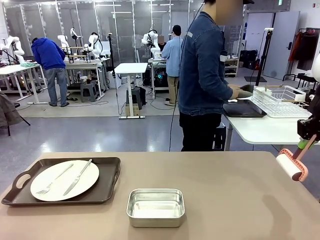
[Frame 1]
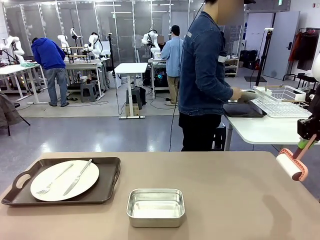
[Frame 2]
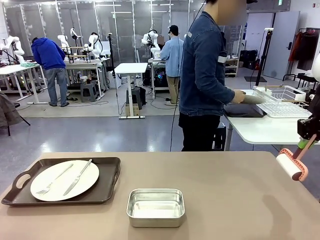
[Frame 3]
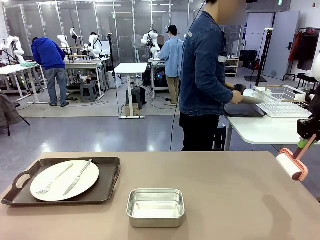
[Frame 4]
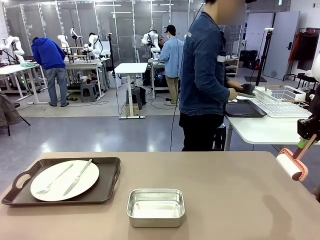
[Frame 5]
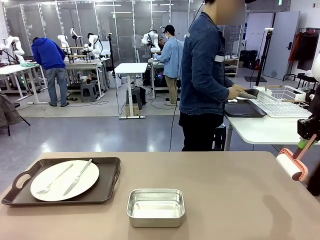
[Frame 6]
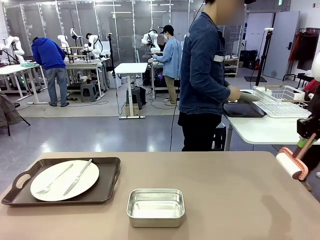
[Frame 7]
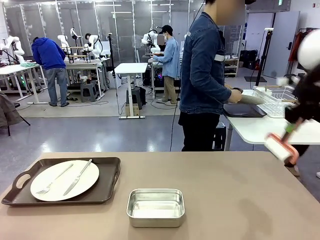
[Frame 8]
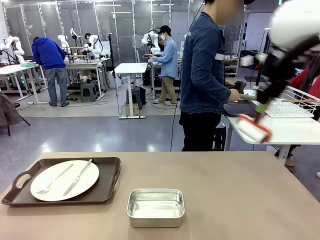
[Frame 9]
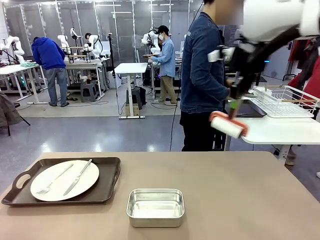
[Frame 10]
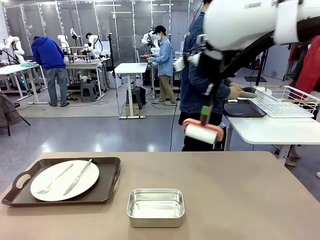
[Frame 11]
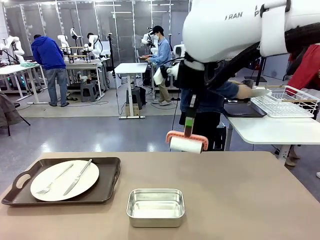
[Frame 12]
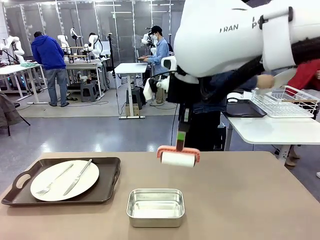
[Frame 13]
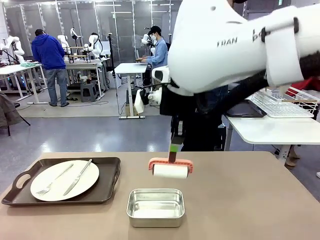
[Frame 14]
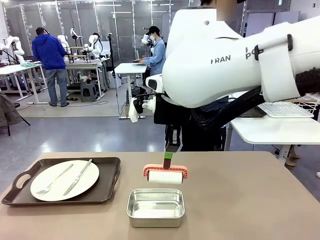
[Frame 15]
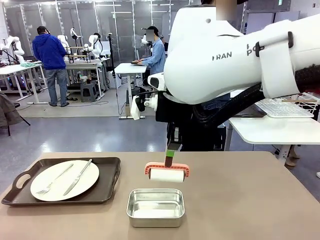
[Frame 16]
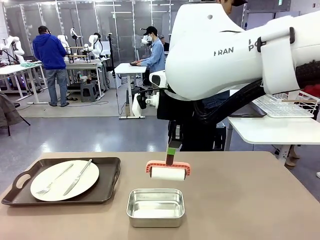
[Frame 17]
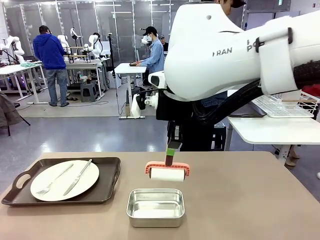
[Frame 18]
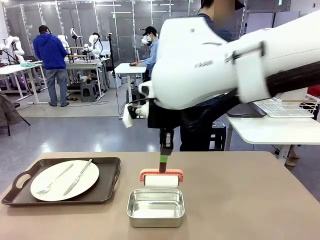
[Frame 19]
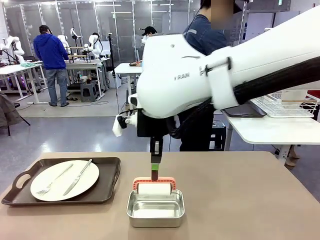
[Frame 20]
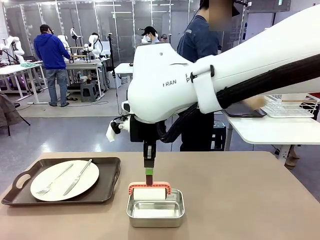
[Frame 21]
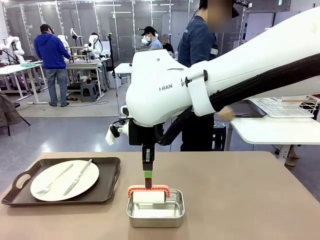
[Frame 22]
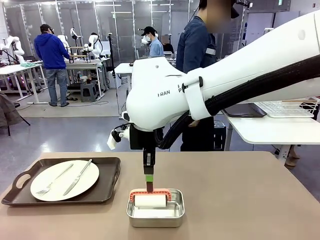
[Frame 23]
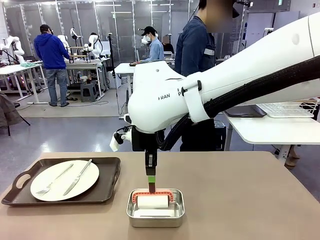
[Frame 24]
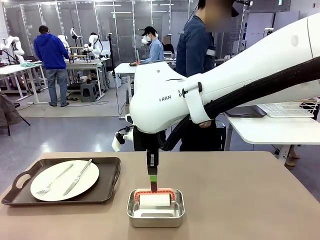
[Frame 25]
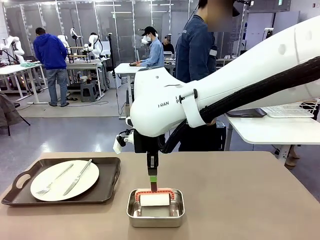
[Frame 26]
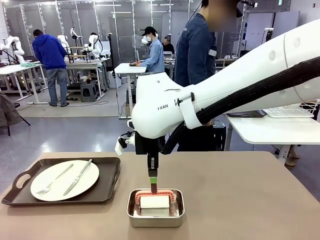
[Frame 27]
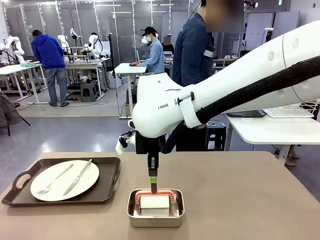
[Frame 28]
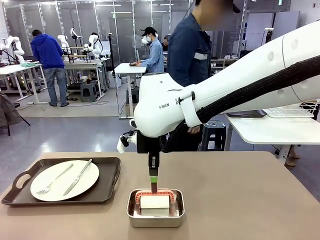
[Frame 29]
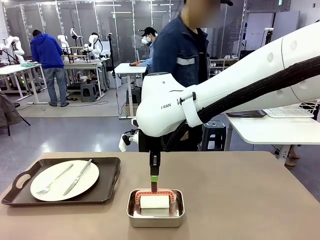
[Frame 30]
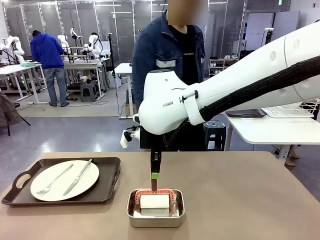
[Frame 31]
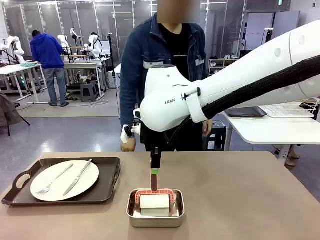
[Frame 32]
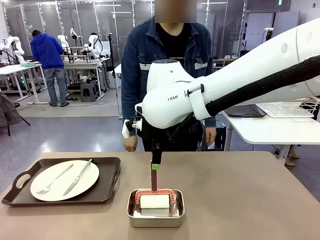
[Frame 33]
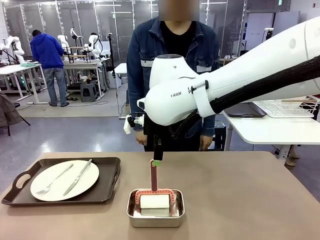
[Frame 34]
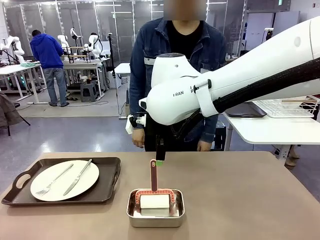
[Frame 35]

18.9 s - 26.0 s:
Robot: Place the Lint Roller back on top of the Airtight Container.

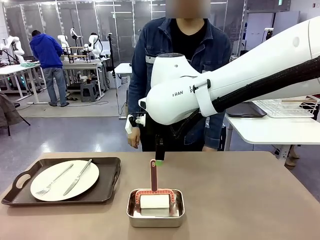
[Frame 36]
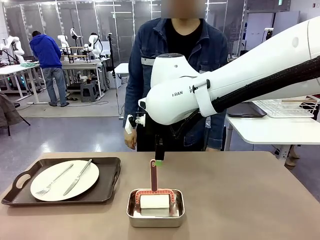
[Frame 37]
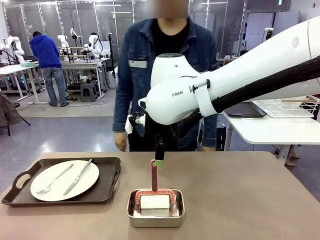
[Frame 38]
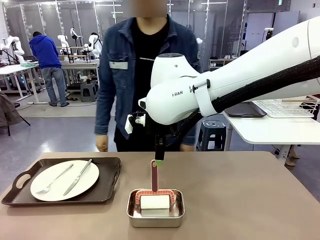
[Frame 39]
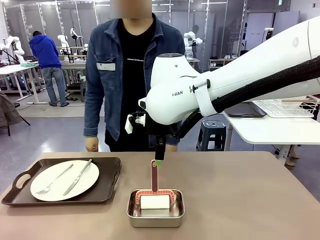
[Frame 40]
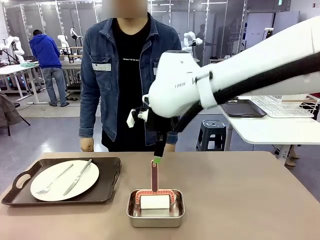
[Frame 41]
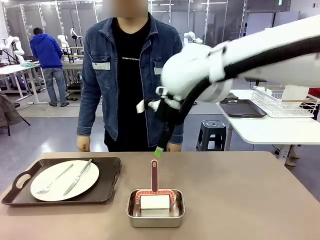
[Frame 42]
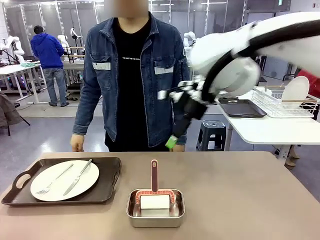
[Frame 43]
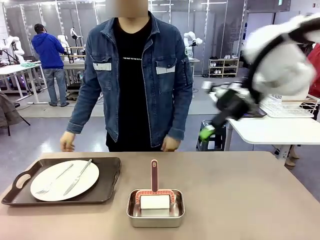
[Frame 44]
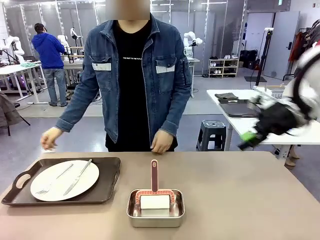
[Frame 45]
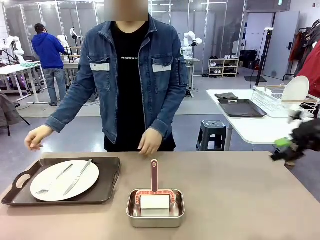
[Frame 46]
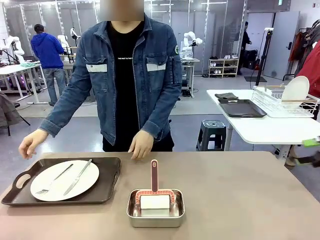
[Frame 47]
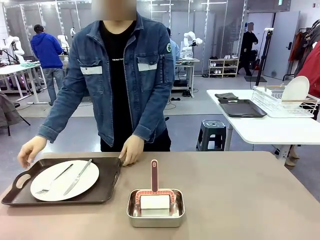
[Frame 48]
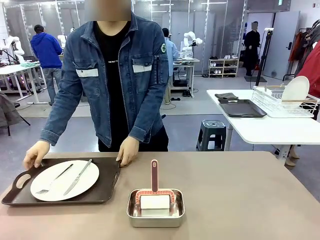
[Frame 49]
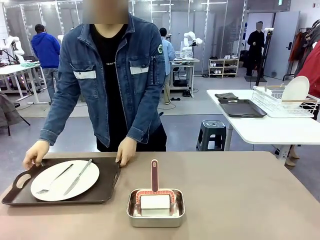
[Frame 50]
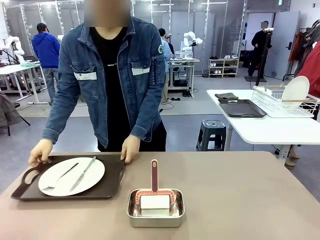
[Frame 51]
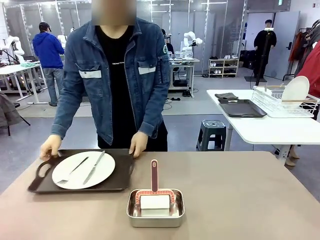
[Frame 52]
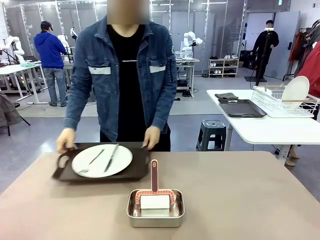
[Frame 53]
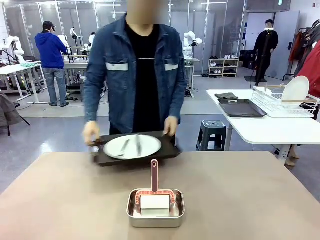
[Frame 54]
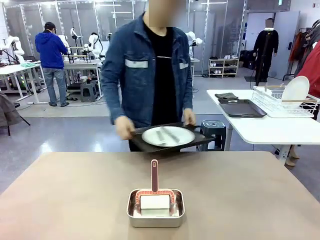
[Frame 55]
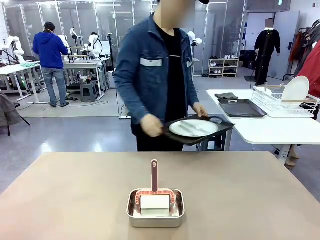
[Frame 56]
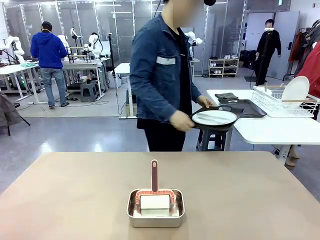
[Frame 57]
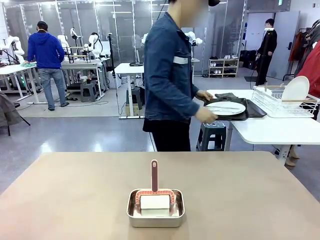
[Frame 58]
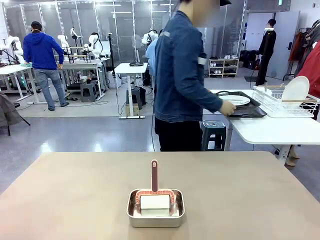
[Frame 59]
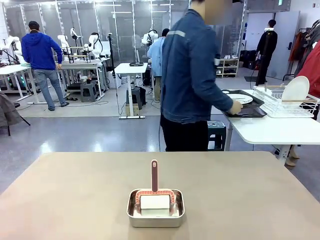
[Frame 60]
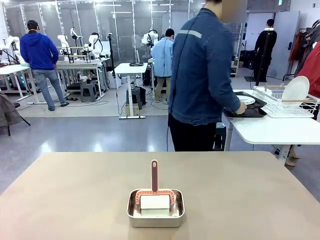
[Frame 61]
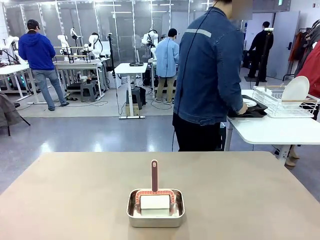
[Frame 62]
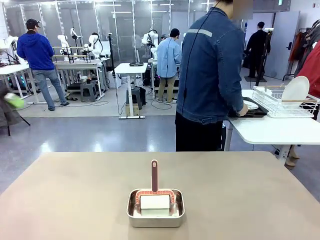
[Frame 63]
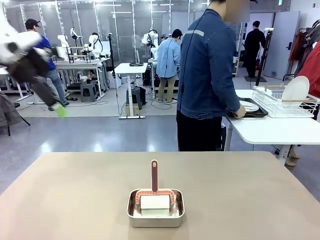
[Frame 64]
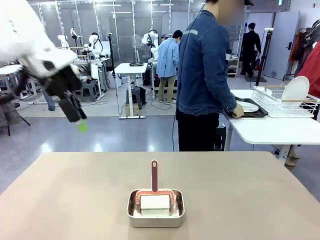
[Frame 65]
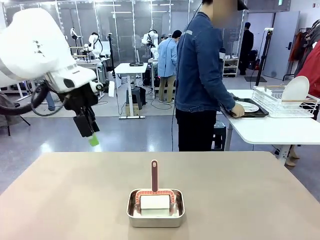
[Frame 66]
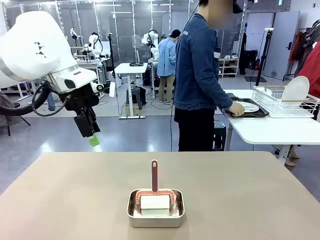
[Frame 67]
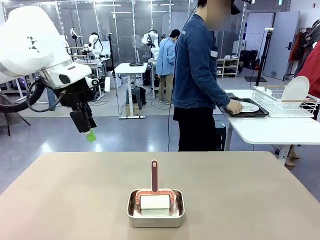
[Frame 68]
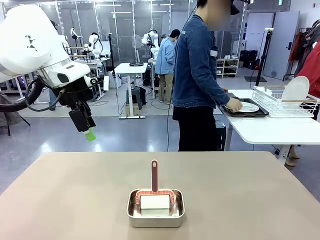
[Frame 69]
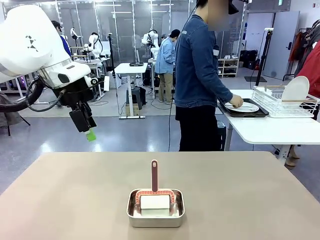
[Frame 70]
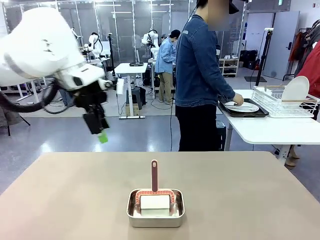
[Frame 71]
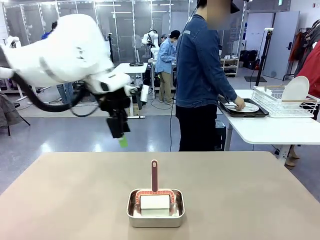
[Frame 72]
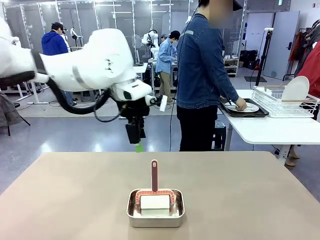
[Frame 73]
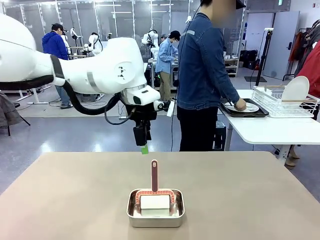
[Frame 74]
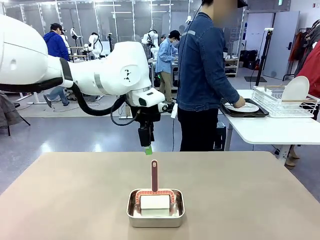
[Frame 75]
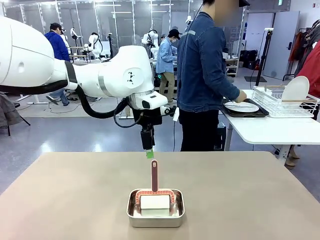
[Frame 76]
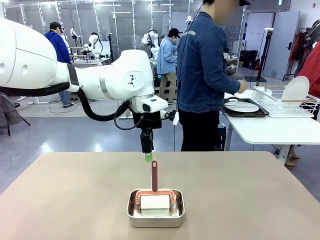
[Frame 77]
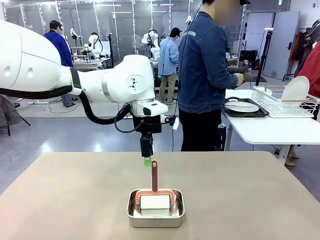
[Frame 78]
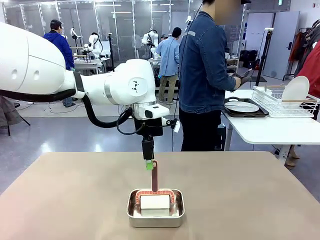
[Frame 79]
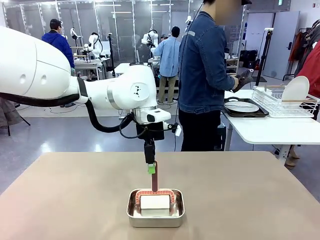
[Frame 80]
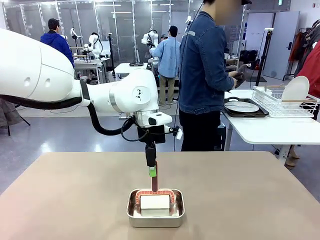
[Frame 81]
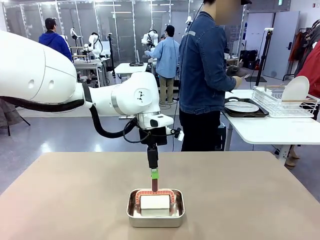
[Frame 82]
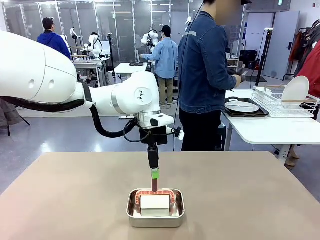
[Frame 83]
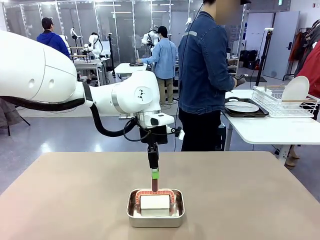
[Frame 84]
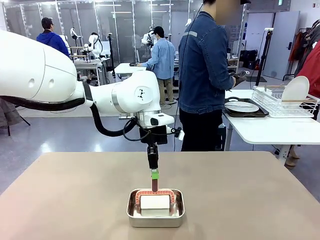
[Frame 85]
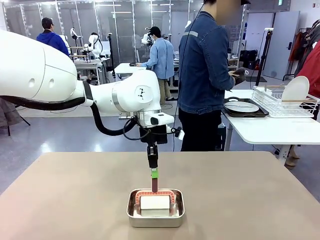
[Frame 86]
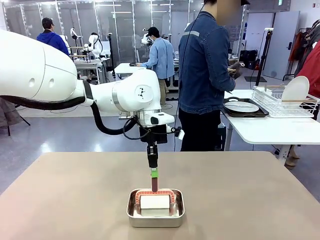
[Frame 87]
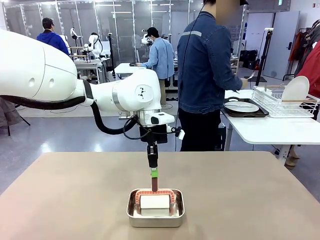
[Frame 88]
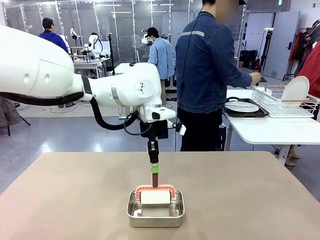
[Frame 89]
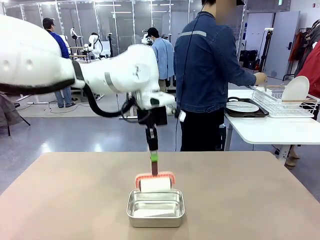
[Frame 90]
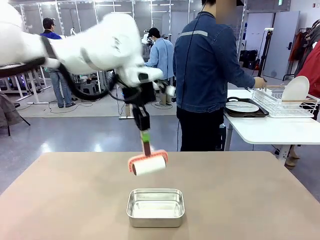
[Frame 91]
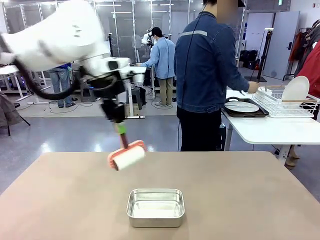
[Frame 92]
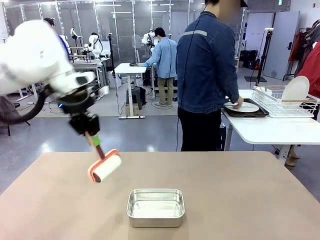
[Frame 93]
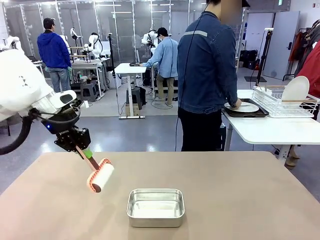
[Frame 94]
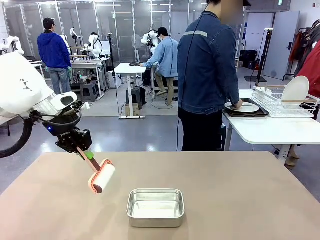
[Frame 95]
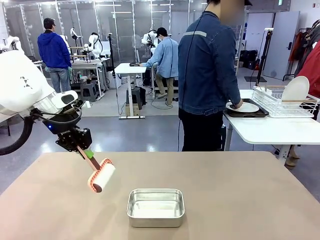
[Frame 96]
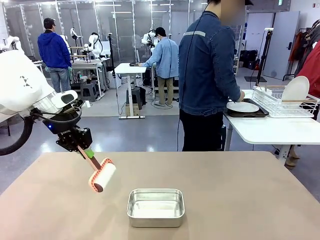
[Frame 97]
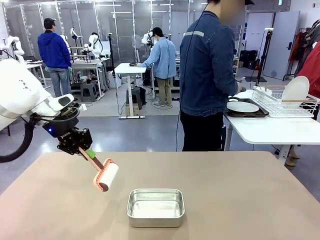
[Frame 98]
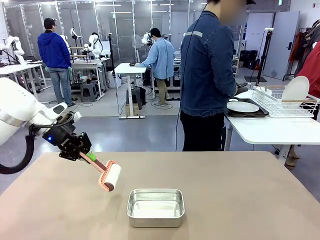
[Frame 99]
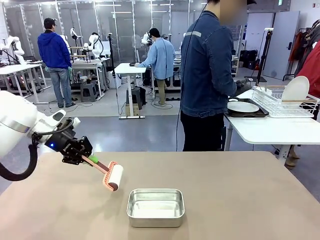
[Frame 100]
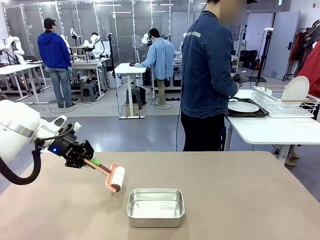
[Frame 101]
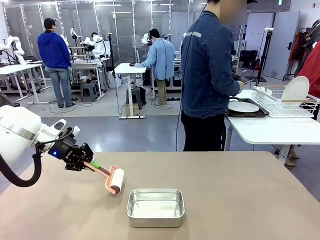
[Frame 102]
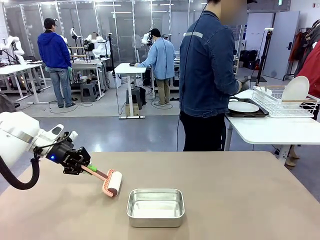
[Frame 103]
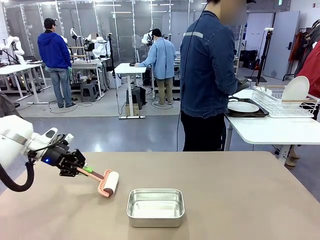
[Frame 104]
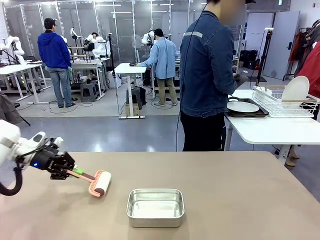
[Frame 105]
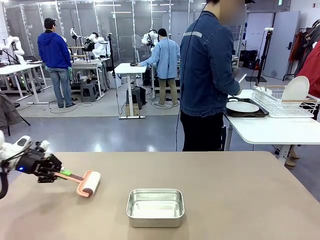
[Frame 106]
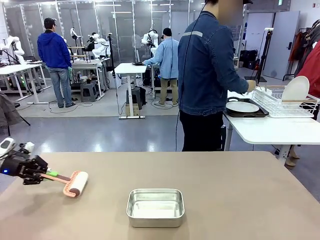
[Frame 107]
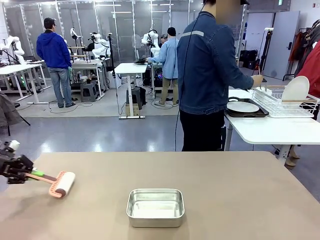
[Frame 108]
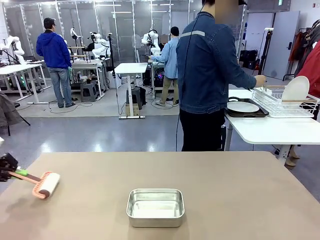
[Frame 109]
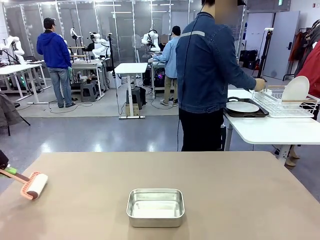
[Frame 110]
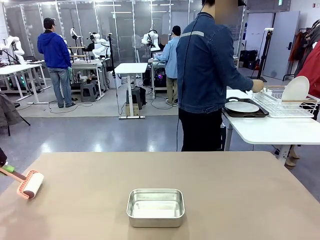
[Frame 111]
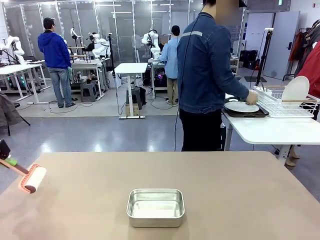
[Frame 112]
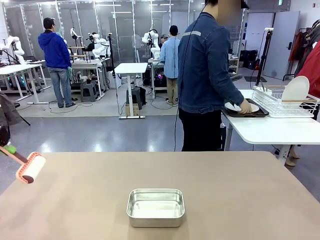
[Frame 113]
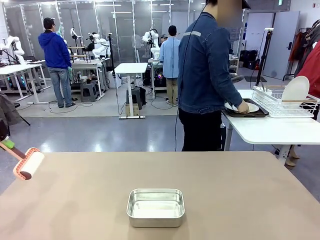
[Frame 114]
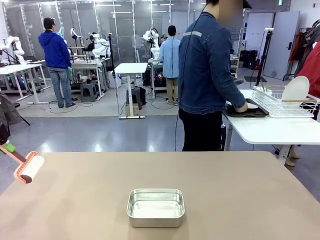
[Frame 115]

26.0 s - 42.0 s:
Robot: When the right (or left) Handle tray is removed, use the right hand (or left hand) to clean the right (or left) side of the table with the Lint Roller.
Person: Pick up the left (or right) Handle tray and place it on the Handle tray.

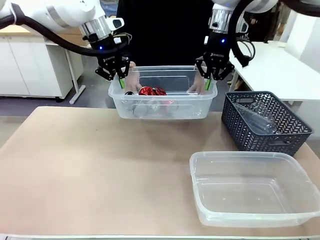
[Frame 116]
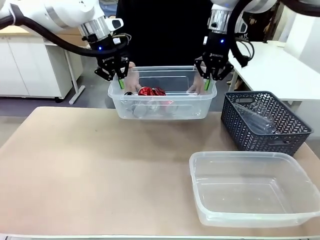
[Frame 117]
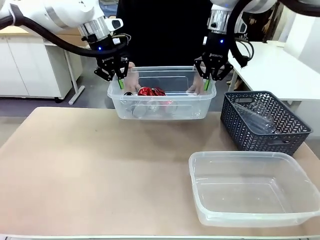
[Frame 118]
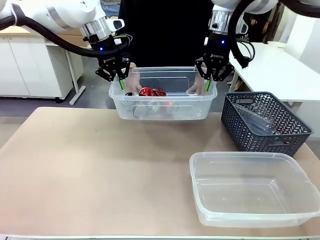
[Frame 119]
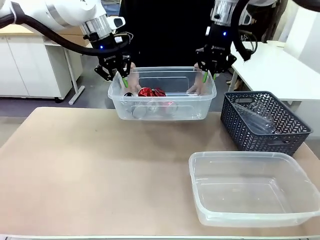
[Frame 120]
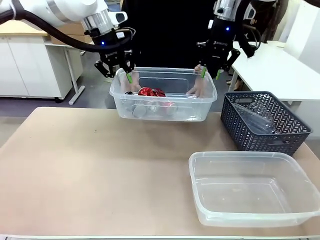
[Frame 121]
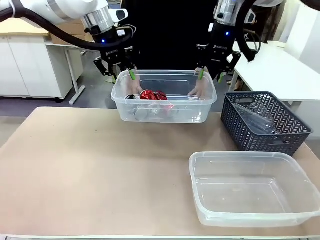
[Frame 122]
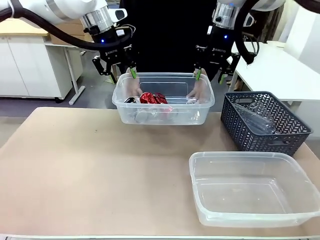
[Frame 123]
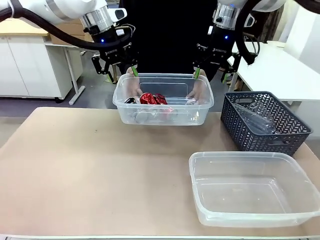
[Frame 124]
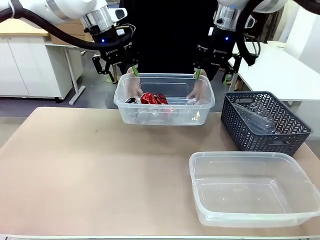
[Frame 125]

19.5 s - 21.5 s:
Robot: Release the Organizing box you were holding.
